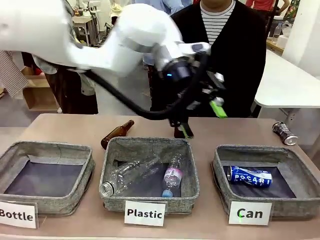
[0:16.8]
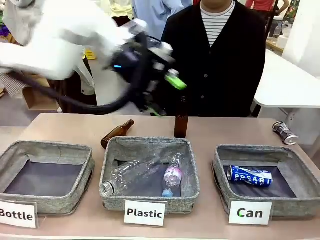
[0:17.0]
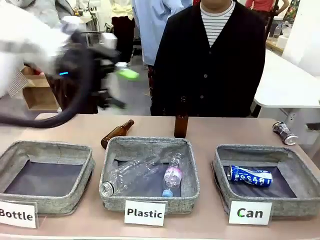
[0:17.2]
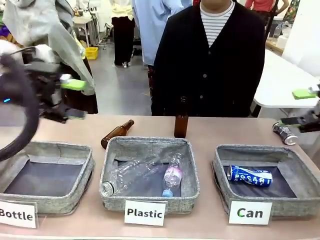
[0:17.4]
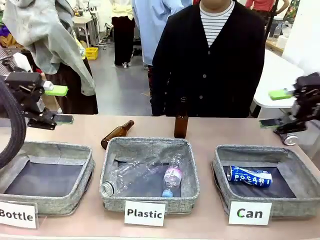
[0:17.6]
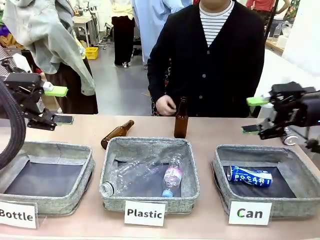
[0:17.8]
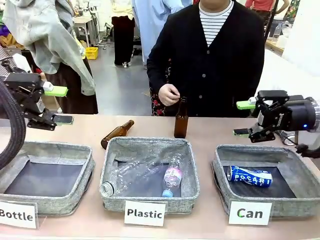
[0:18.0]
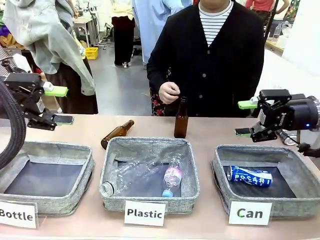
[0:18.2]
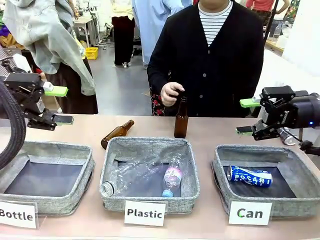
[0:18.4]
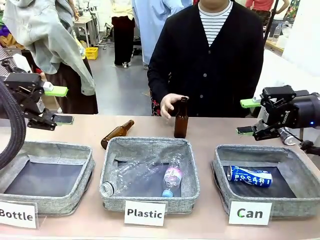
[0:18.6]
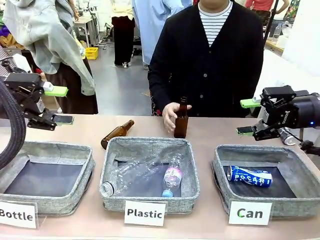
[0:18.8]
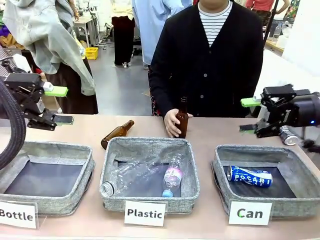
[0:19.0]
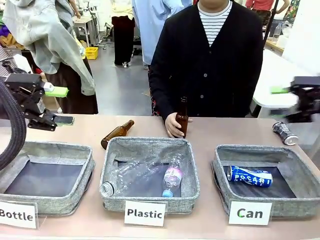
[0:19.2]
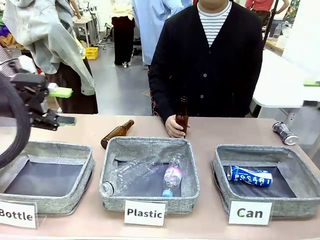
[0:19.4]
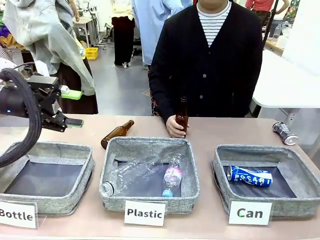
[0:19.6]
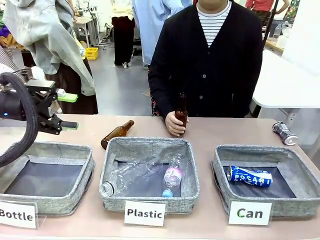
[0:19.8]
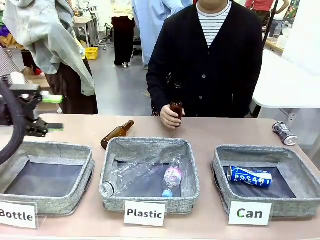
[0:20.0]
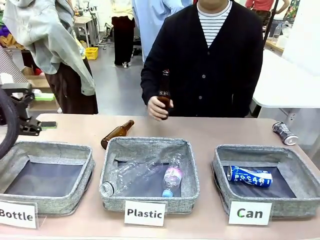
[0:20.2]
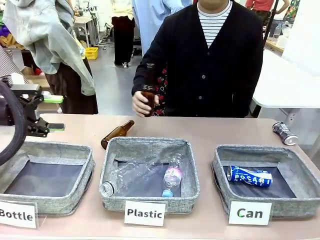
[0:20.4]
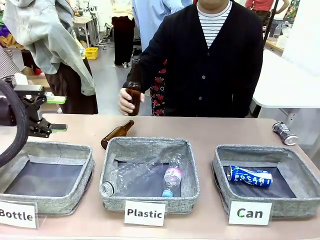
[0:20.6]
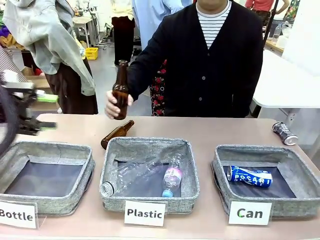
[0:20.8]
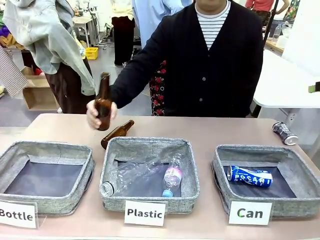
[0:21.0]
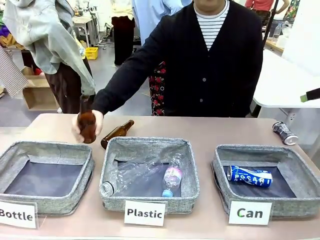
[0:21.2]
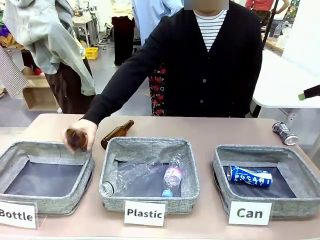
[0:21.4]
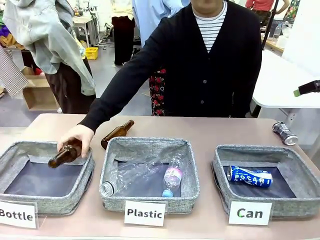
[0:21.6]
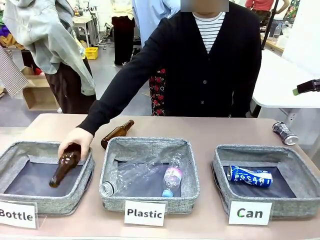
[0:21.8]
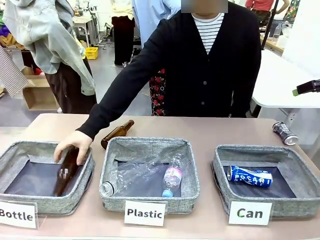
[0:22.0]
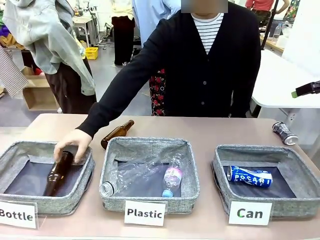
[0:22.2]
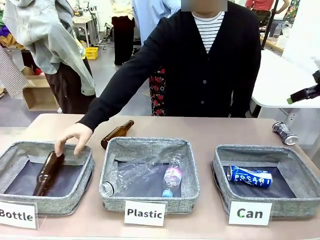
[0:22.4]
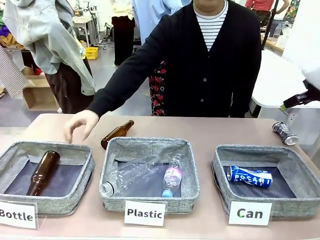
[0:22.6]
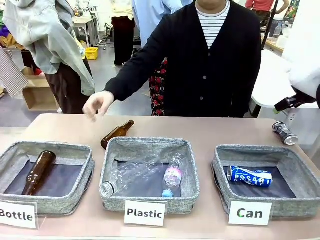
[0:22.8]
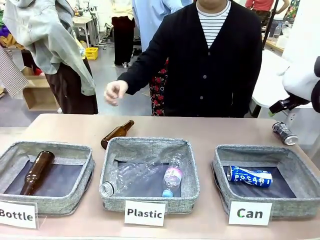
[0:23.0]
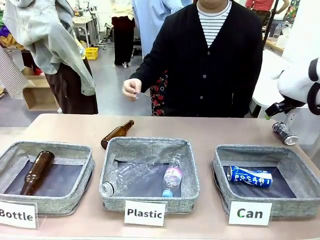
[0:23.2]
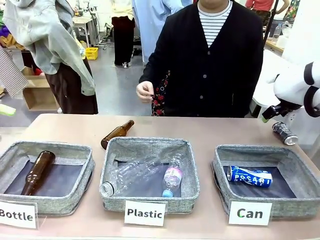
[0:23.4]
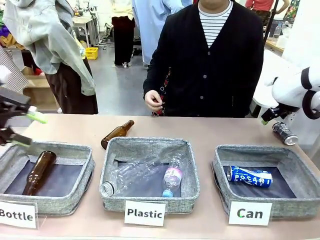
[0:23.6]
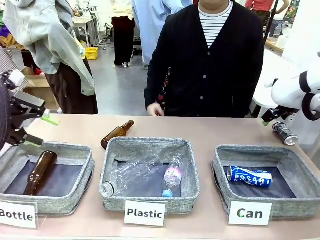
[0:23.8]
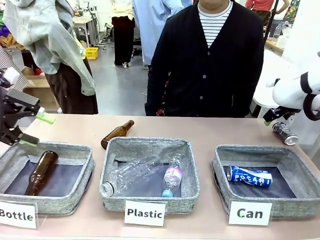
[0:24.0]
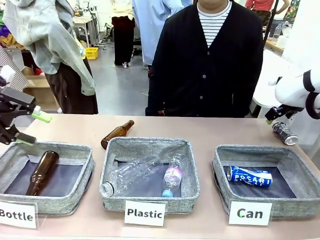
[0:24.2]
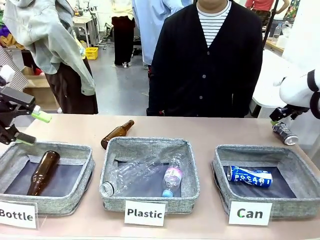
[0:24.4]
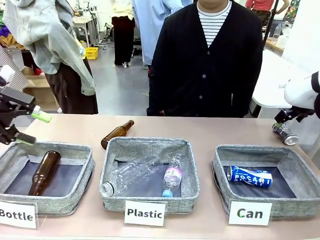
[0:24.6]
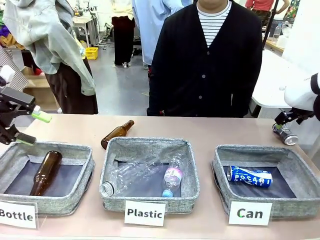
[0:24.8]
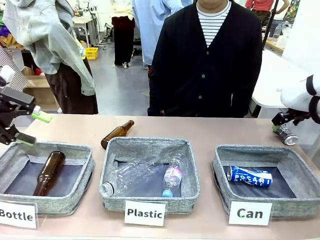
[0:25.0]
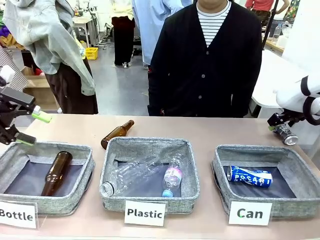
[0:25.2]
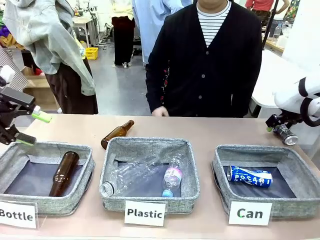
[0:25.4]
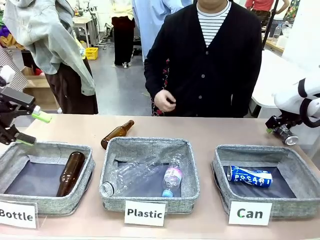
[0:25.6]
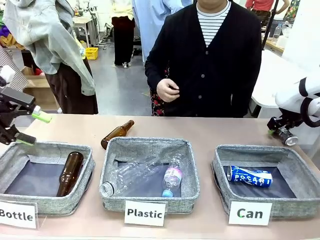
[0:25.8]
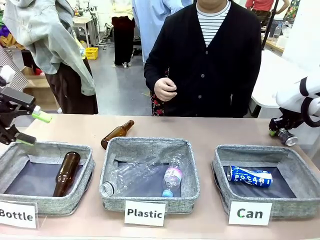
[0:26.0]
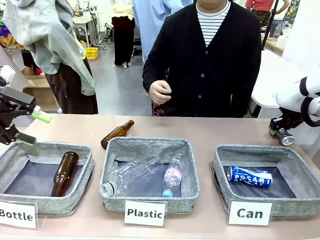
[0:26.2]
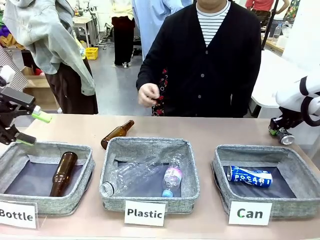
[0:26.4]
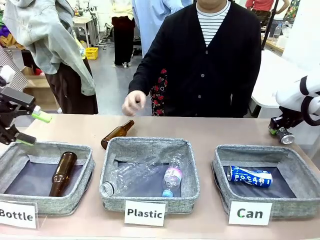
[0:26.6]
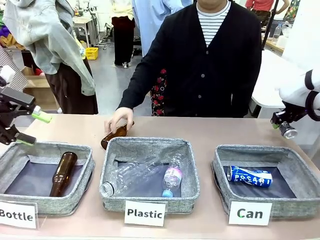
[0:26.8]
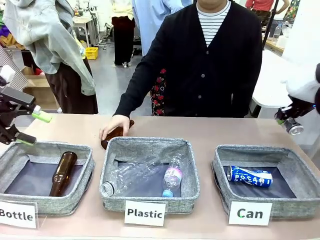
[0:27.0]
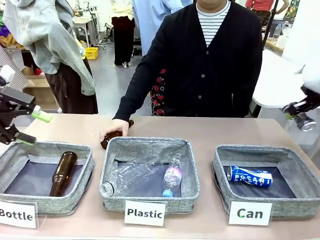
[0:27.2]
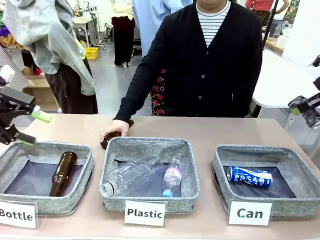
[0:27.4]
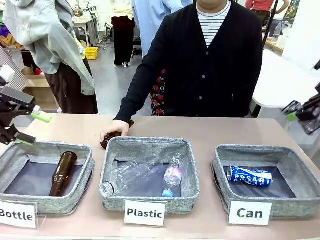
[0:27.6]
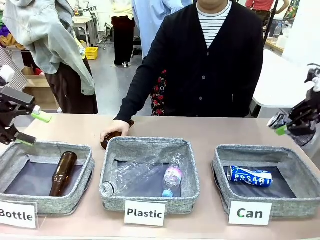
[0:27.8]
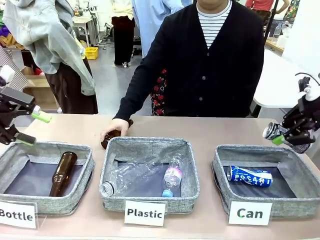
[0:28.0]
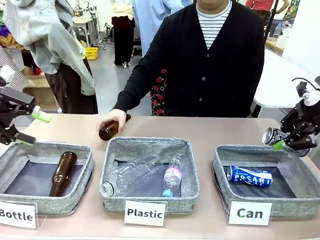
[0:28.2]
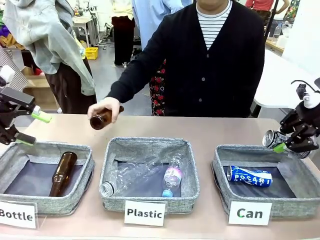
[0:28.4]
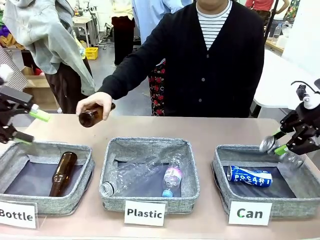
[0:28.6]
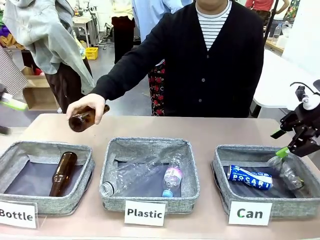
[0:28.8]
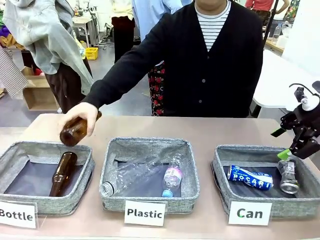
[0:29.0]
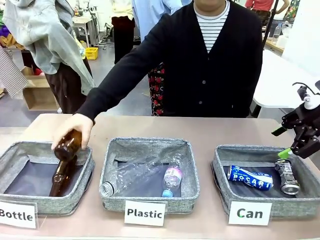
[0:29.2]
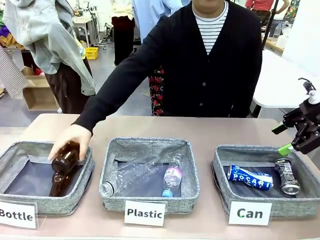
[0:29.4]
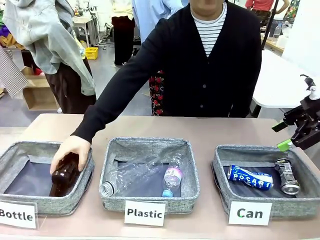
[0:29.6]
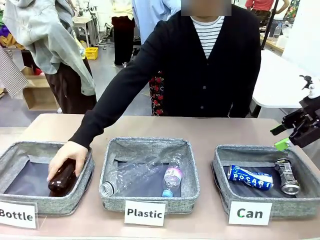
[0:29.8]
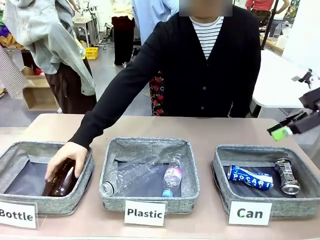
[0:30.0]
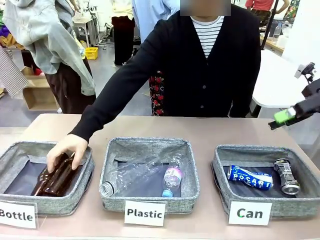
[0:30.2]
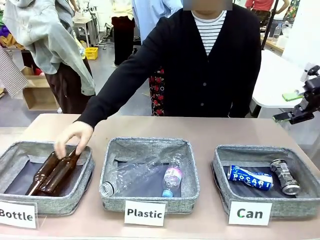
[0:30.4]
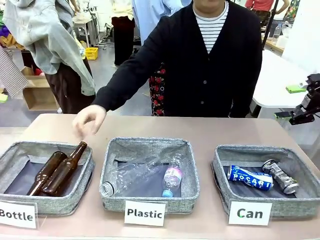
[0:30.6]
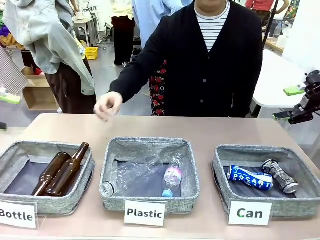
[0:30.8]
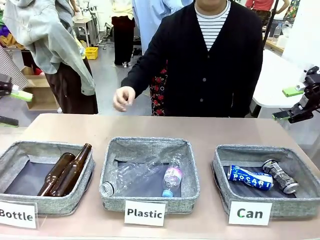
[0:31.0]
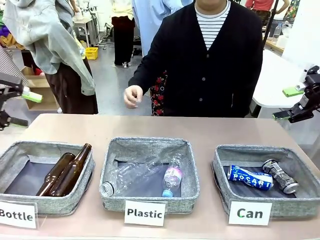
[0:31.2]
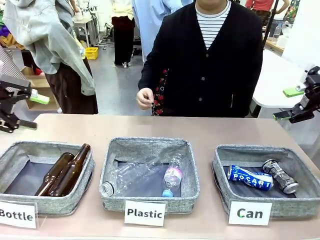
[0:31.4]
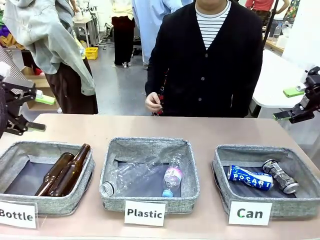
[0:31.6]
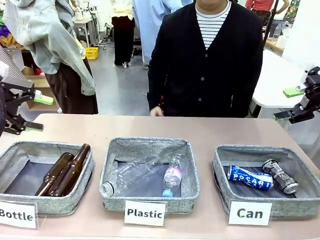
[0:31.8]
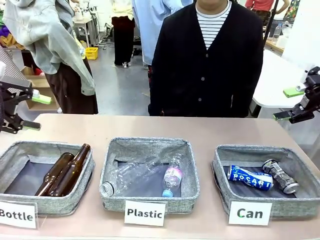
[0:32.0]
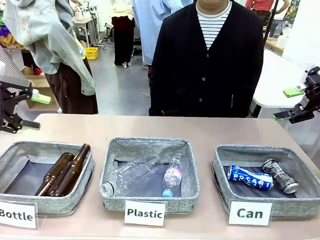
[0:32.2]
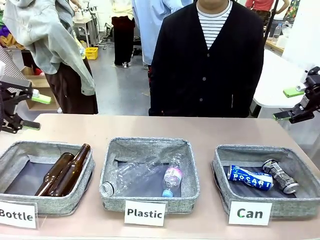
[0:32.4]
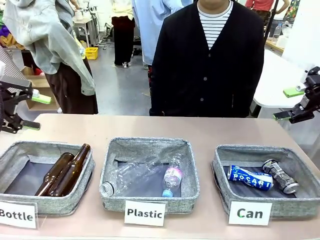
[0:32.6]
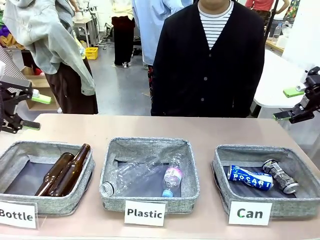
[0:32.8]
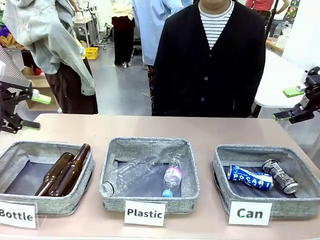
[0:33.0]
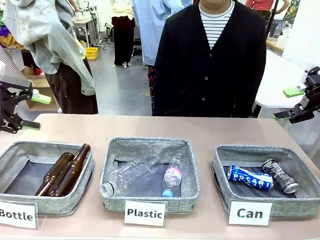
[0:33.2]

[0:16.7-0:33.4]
Task: Sort the can waste into the basket.
Robot: Pick up the can waste from the table and place it in the right Fabric basket.
